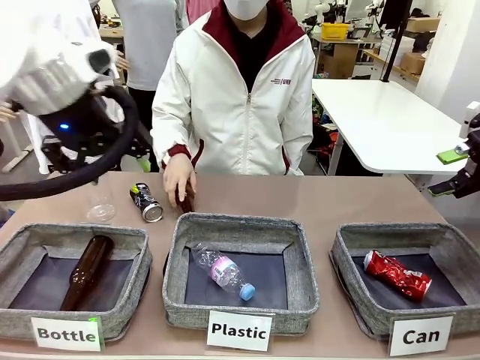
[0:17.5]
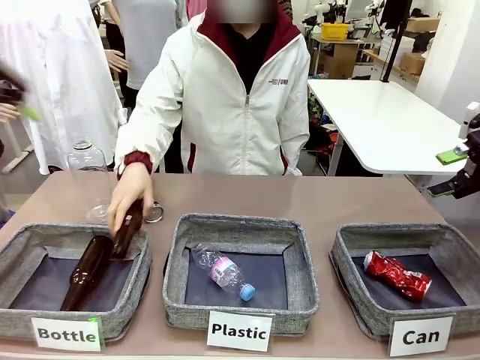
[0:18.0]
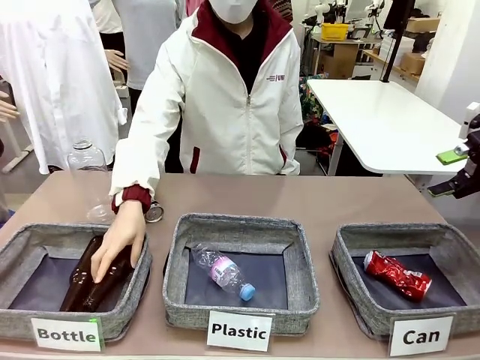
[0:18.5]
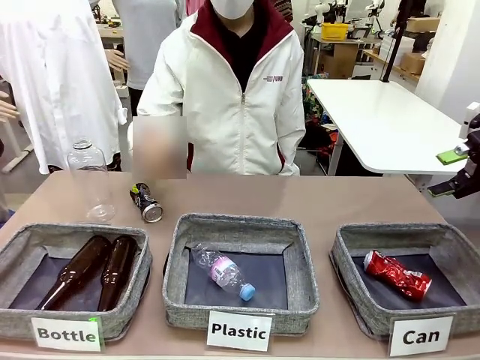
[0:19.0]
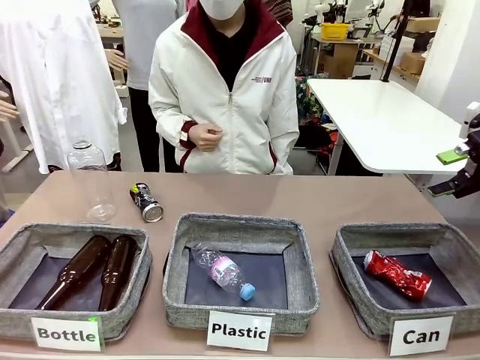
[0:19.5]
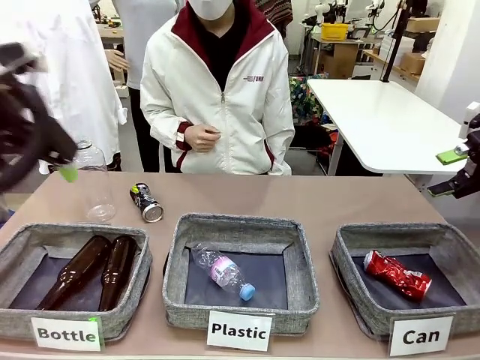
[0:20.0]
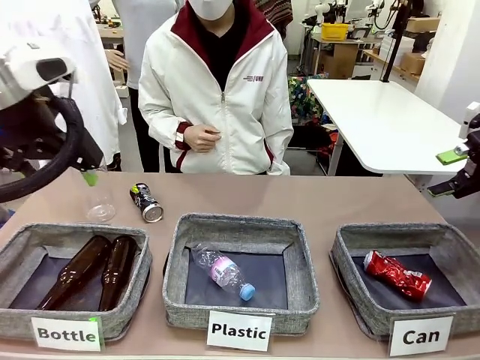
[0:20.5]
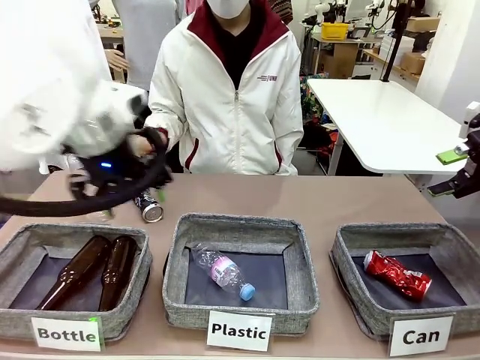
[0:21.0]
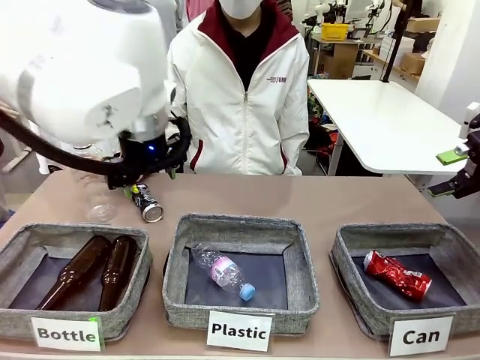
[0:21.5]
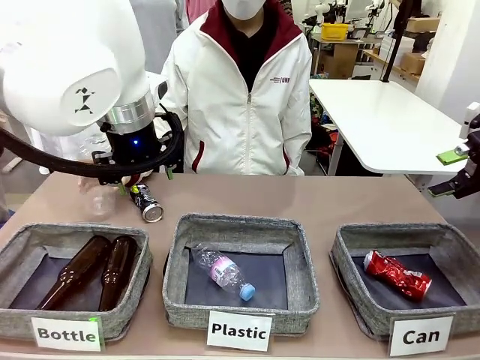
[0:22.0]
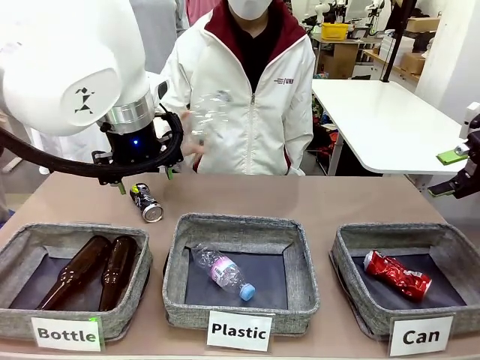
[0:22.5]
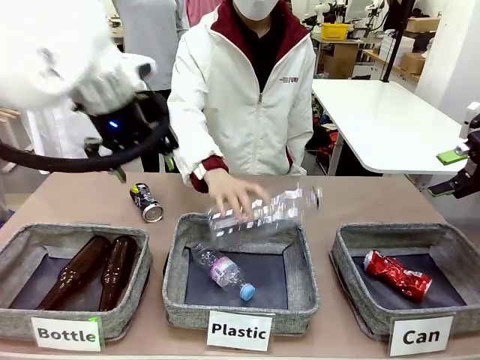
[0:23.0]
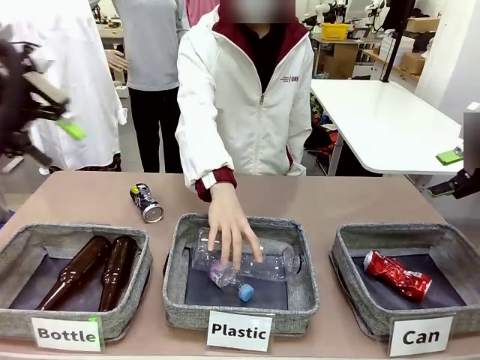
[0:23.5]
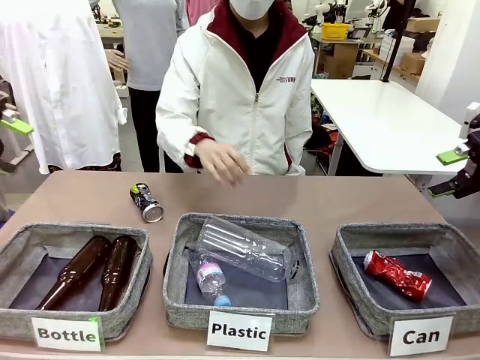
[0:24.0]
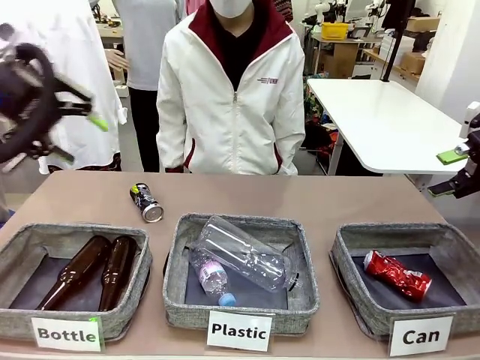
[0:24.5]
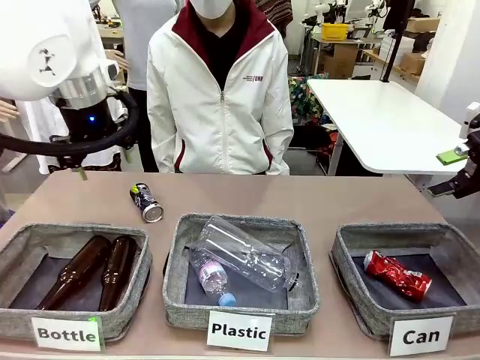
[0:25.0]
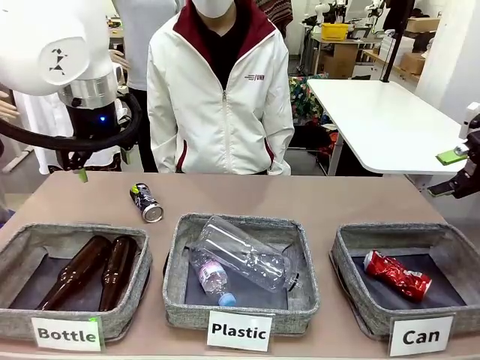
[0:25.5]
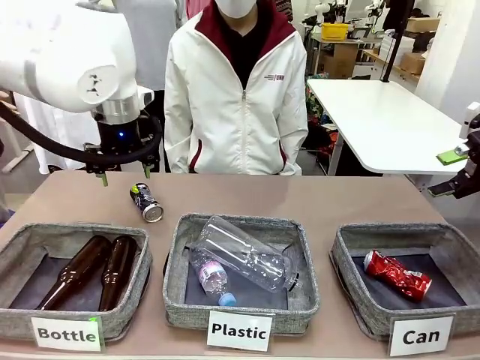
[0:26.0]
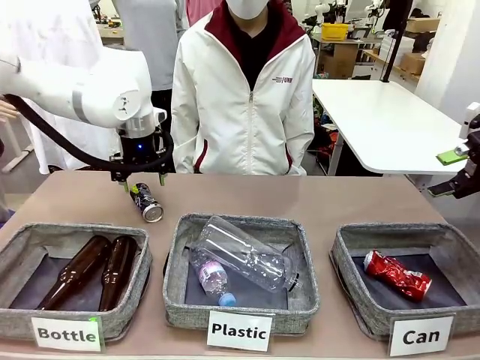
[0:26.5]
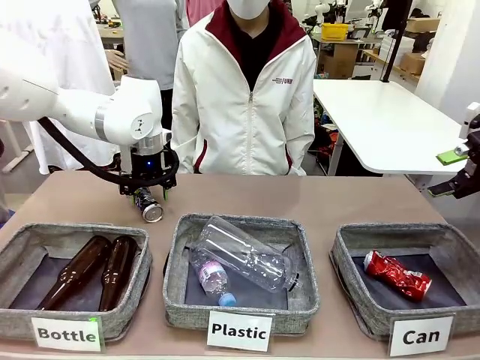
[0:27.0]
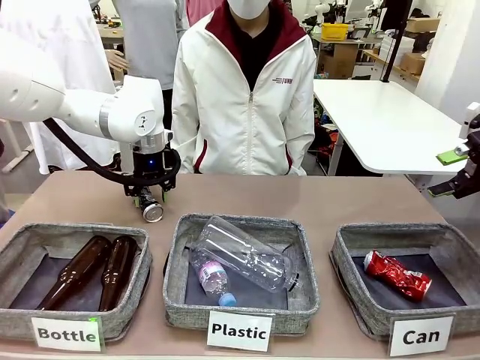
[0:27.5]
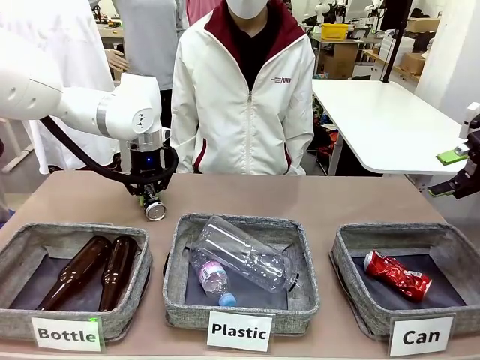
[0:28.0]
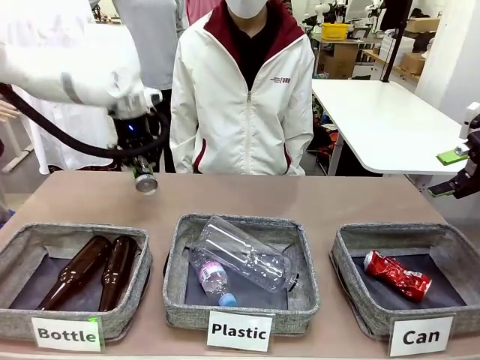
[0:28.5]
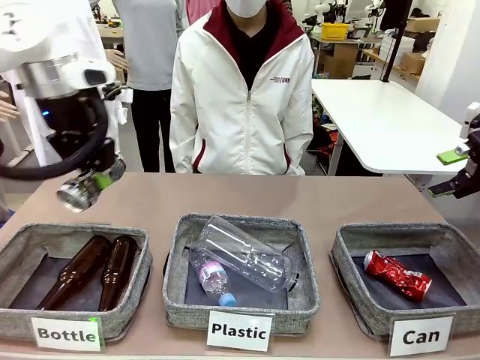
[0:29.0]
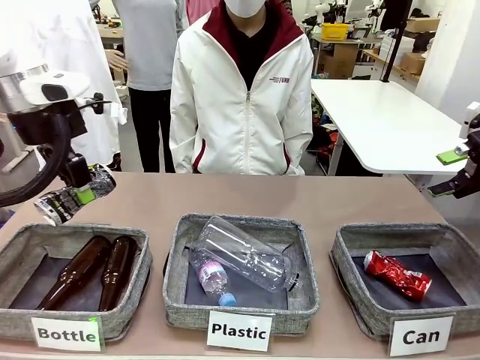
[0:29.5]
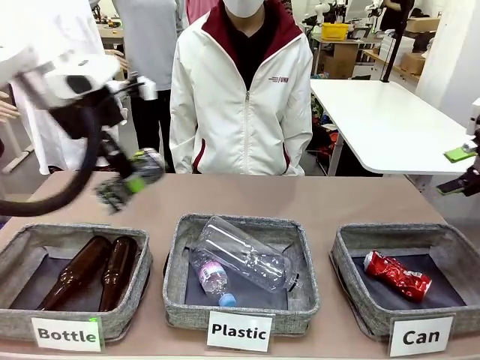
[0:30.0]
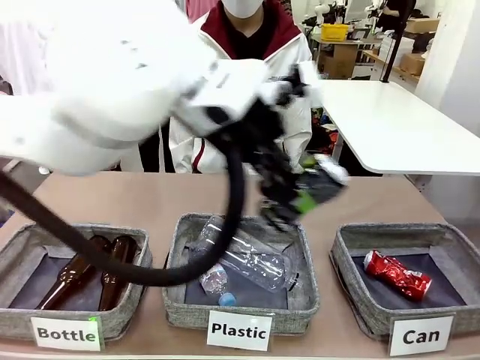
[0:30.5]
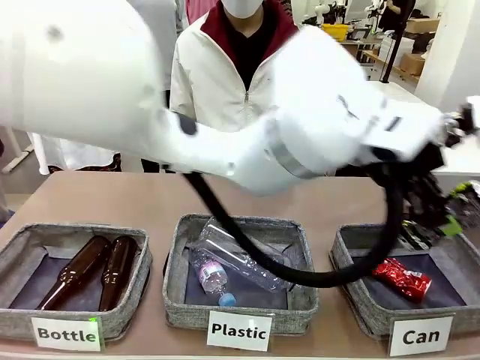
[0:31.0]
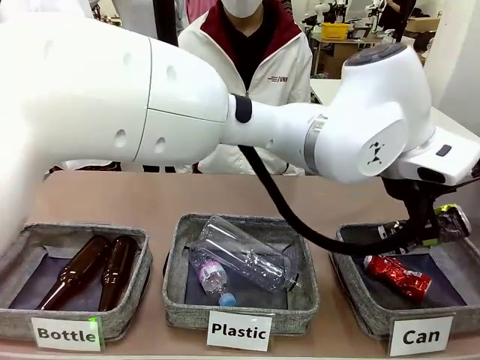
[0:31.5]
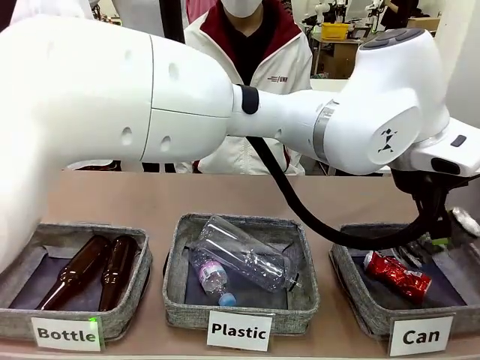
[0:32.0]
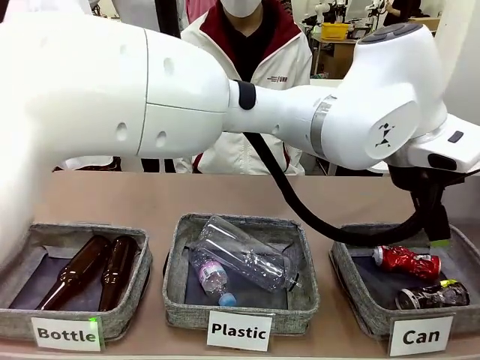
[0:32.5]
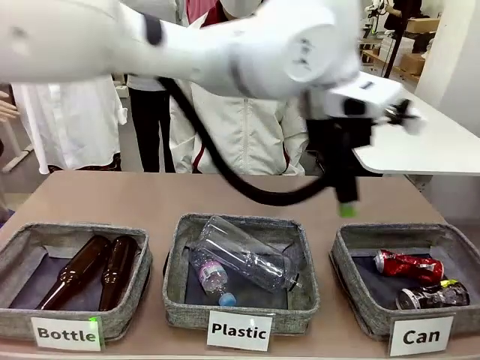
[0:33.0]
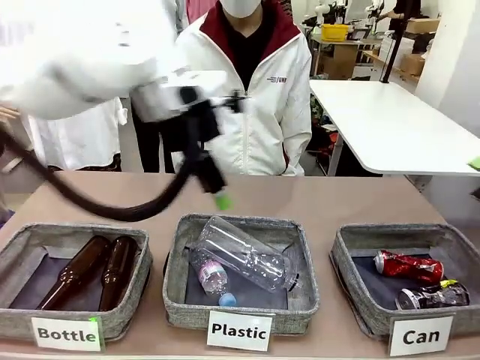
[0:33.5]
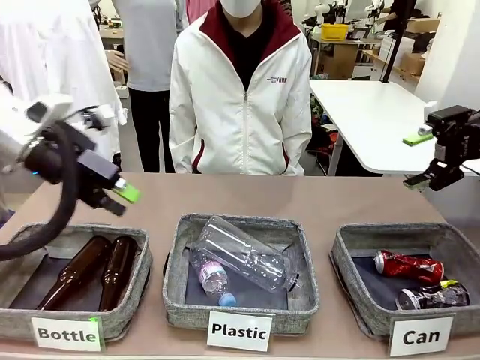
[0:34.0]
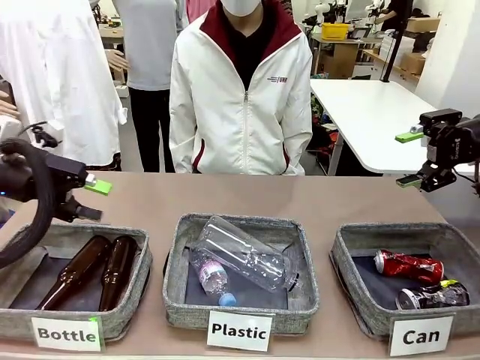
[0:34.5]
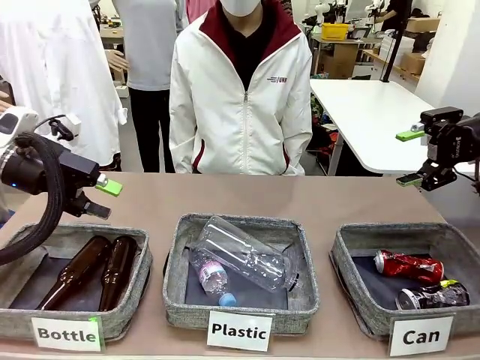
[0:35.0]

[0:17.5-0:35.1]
Task: Sort the can waste into the basket.
Robot: Pick up the can waste from the table and place it in the right Fabric basket.
Person: The human picks up one piece of trash that is not a can and places the trash into the appropriate organizing basket.

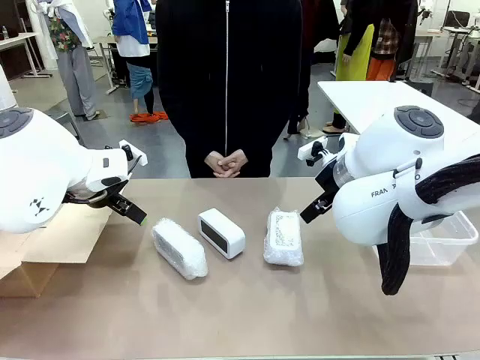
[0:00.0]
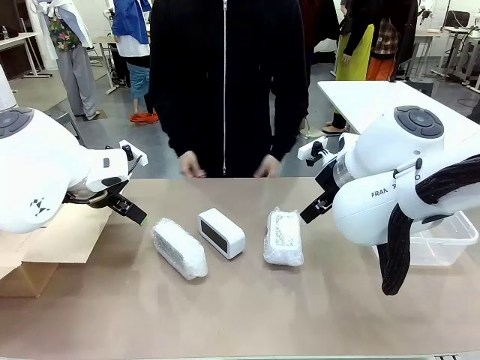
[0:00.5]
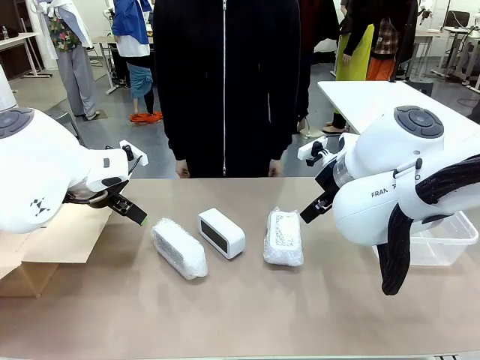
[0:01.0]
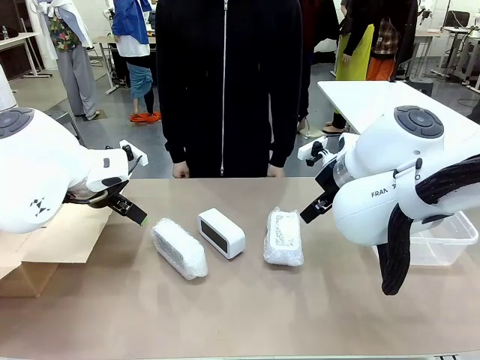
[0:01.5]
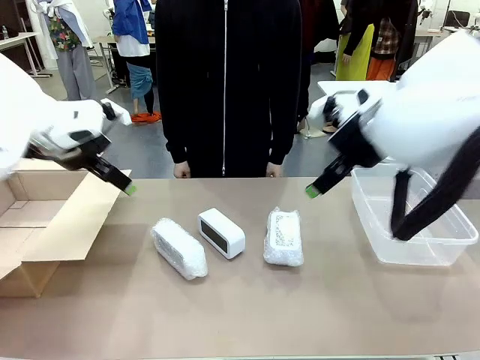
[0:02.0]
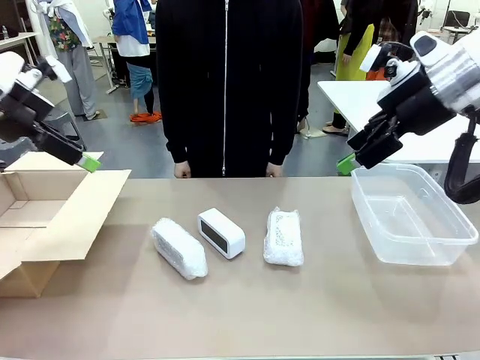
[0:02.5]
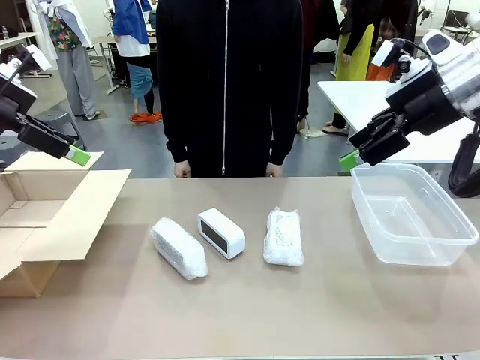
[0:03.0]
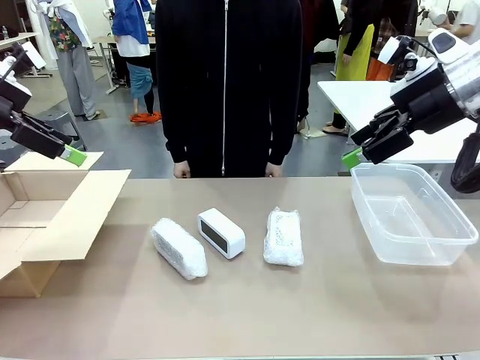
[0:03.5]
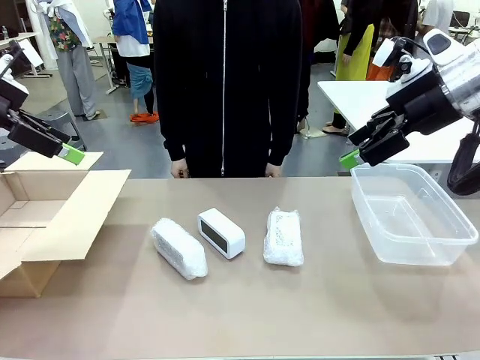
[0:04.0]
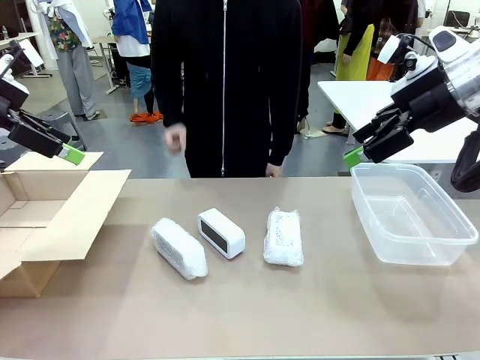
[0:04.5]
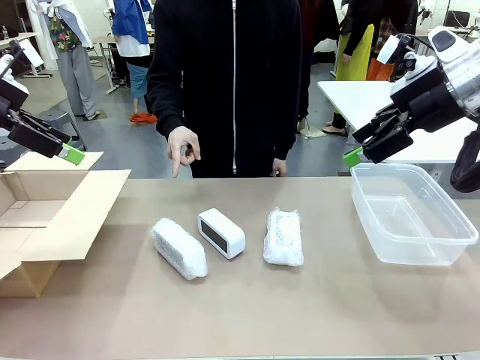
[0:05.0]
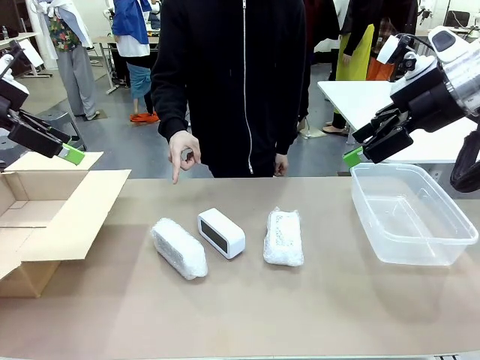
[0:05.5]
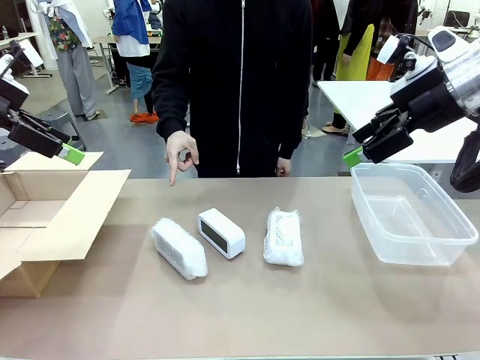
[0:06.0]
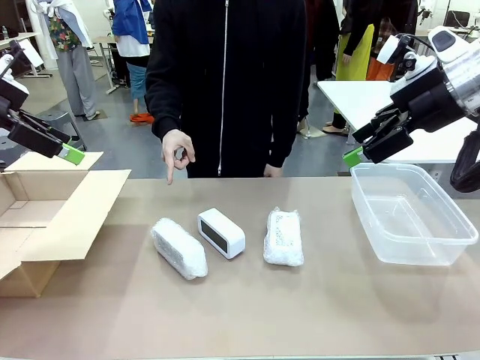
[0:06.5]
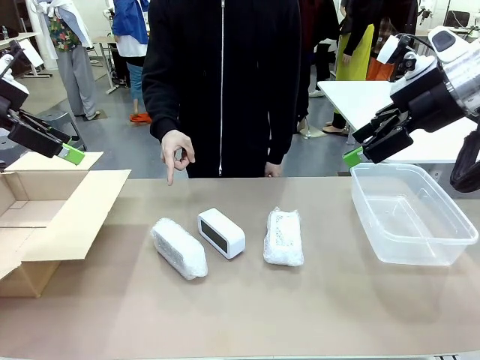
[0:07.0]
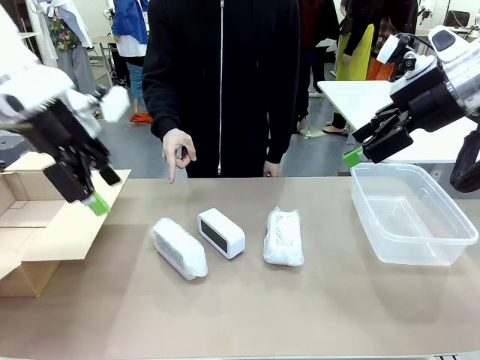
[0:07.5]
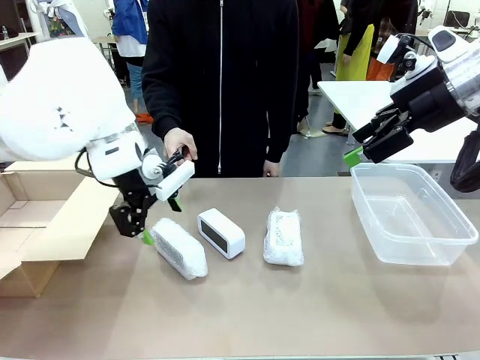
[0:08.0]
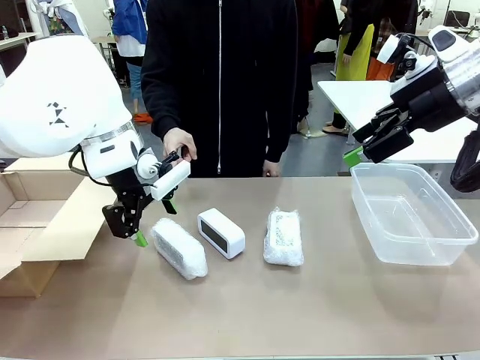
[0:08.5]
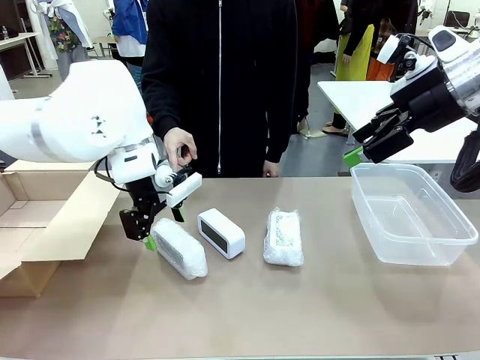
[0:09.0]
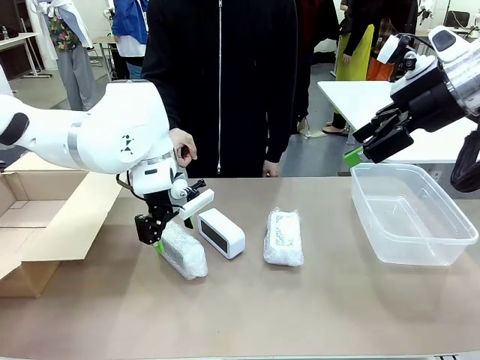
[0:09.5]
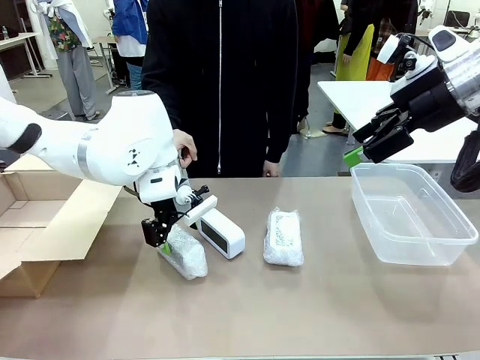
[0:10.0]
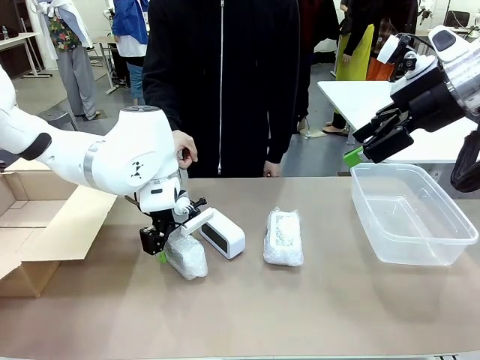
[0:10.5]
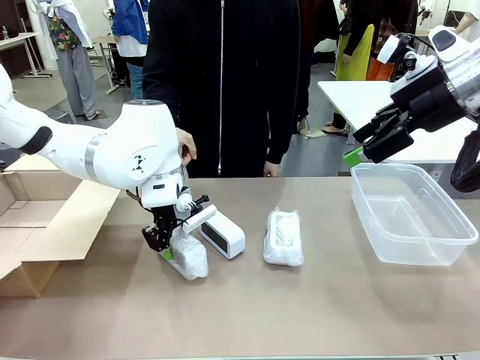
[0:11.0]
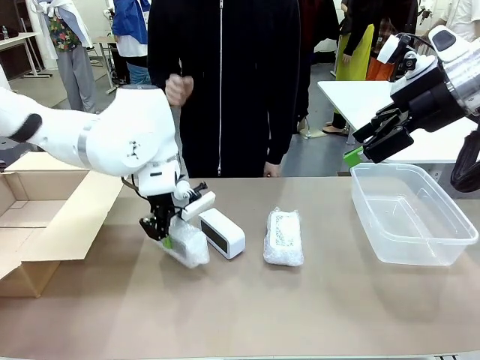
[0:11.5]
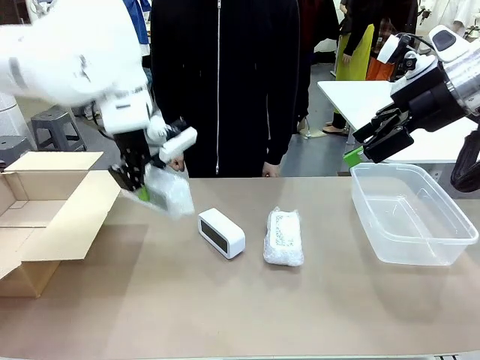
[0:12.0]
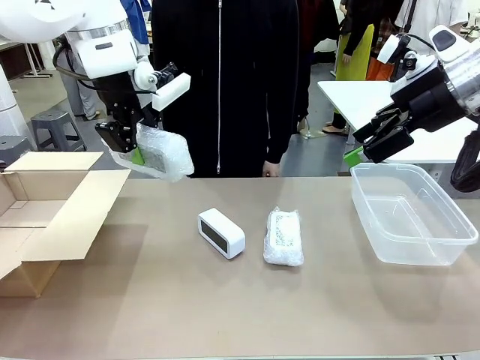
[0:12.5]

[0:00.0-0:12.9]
Task: Separate and place wrapped and unwrapped clocks.
Robot: Pick up the Digital clock indicated by the person.
